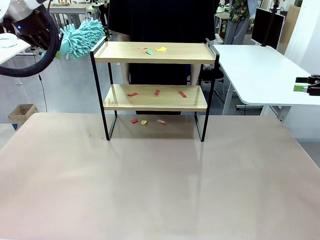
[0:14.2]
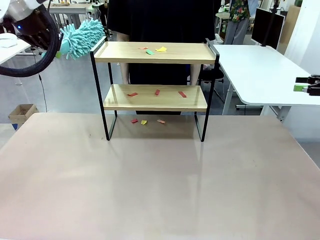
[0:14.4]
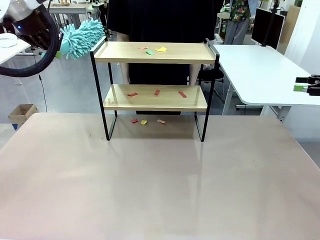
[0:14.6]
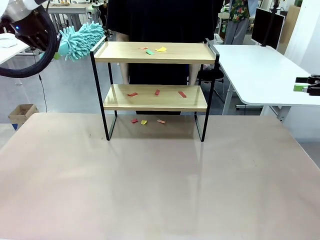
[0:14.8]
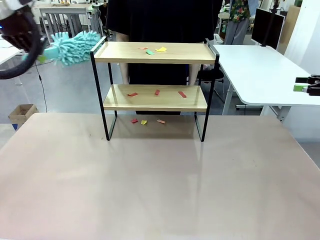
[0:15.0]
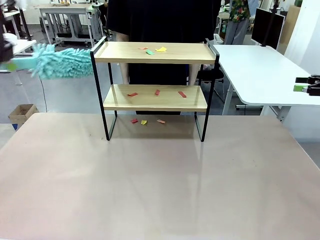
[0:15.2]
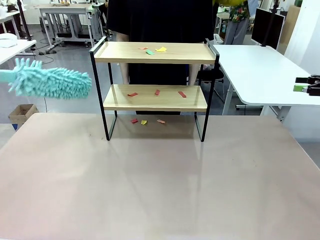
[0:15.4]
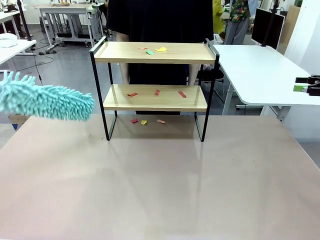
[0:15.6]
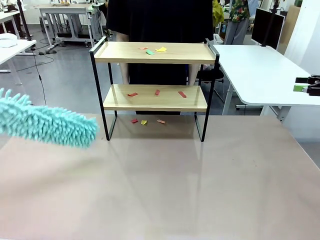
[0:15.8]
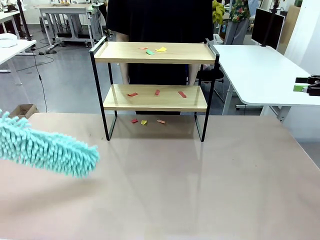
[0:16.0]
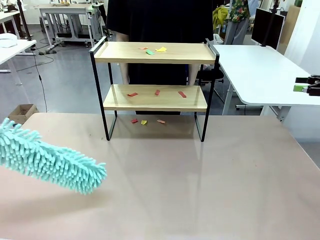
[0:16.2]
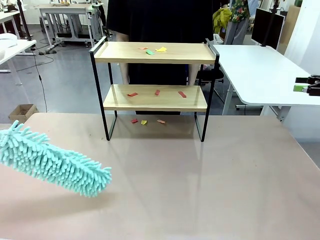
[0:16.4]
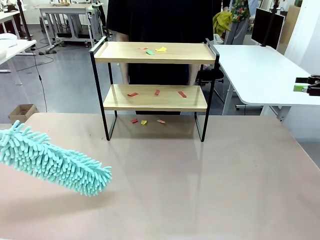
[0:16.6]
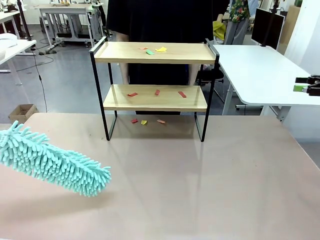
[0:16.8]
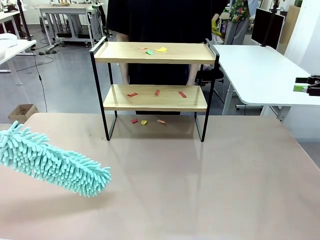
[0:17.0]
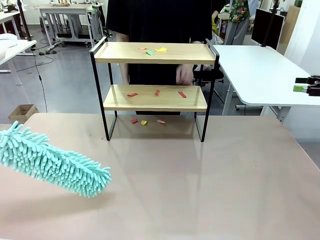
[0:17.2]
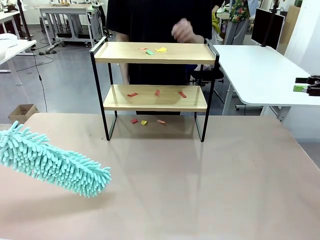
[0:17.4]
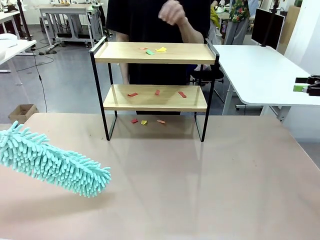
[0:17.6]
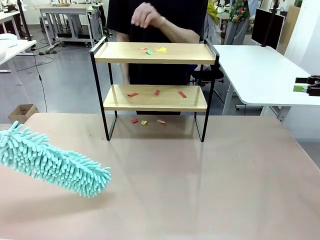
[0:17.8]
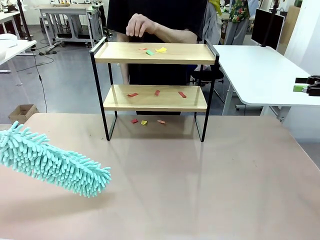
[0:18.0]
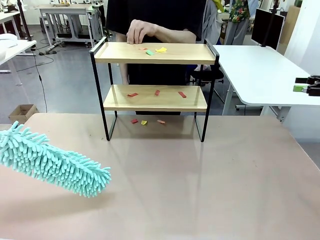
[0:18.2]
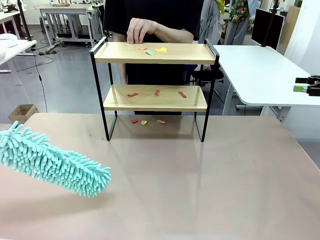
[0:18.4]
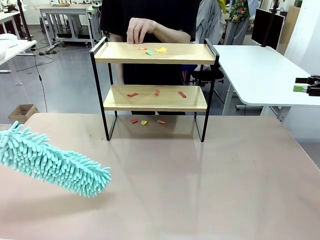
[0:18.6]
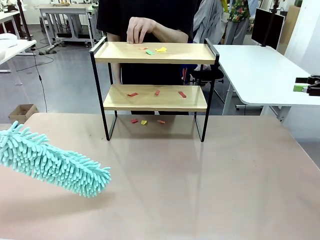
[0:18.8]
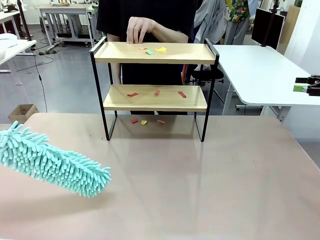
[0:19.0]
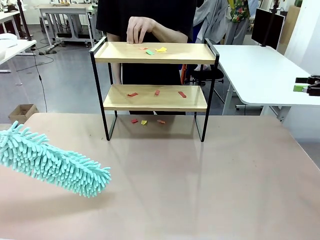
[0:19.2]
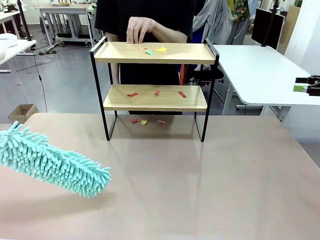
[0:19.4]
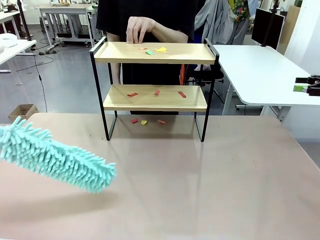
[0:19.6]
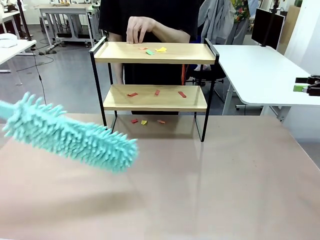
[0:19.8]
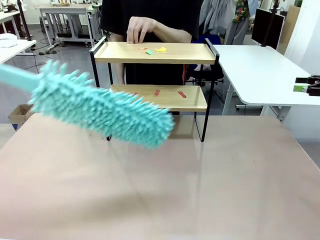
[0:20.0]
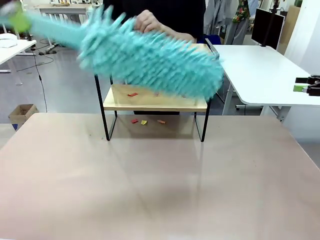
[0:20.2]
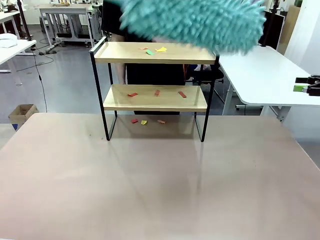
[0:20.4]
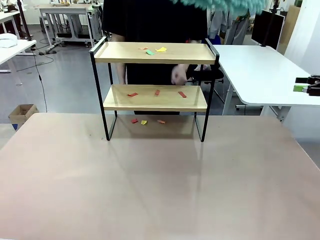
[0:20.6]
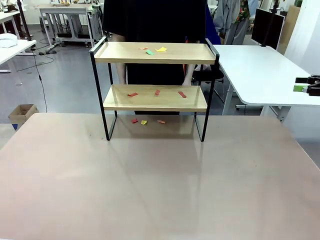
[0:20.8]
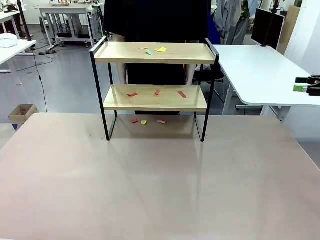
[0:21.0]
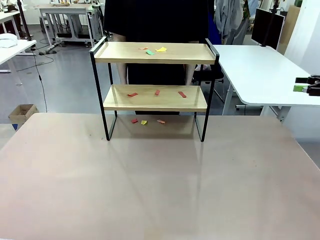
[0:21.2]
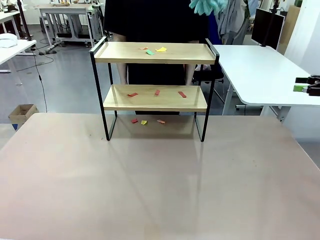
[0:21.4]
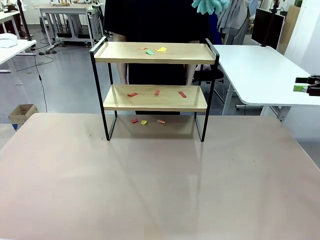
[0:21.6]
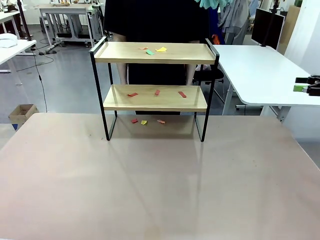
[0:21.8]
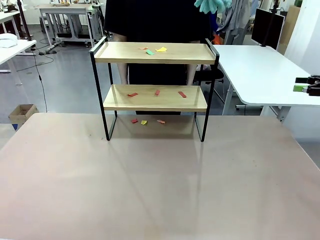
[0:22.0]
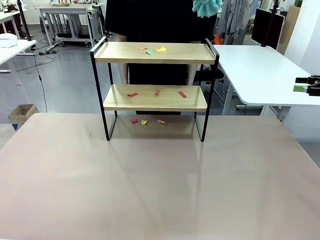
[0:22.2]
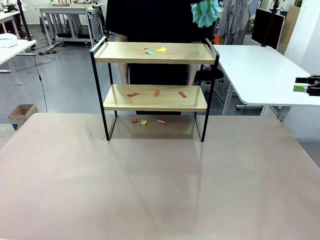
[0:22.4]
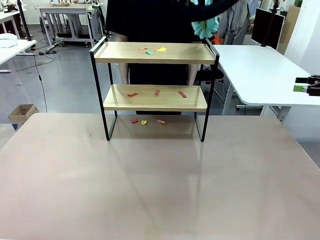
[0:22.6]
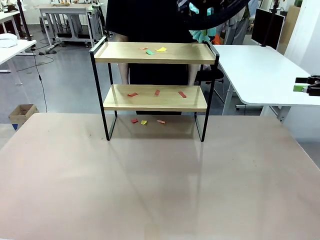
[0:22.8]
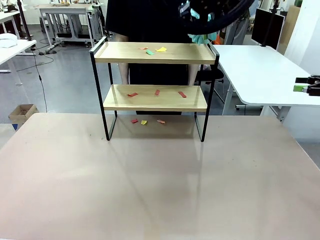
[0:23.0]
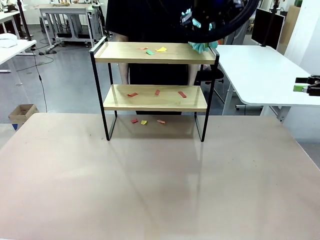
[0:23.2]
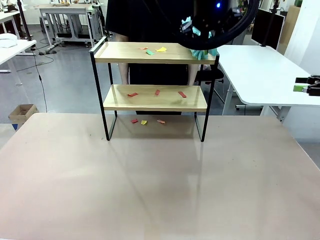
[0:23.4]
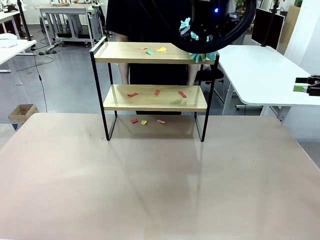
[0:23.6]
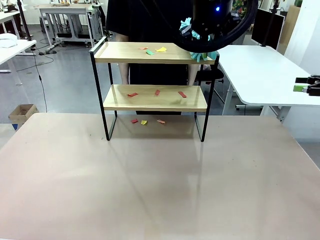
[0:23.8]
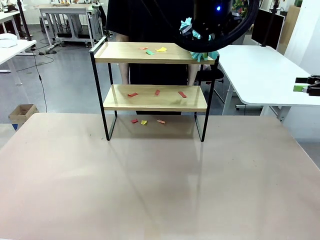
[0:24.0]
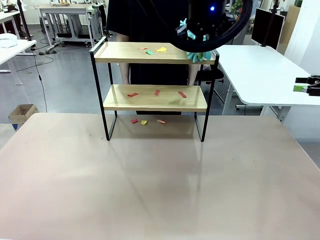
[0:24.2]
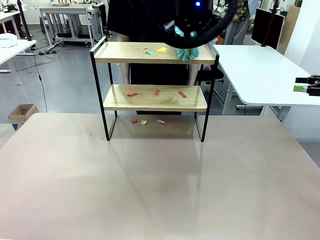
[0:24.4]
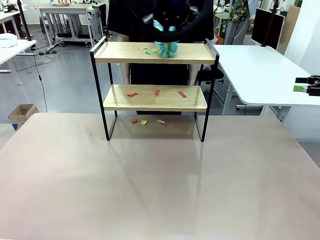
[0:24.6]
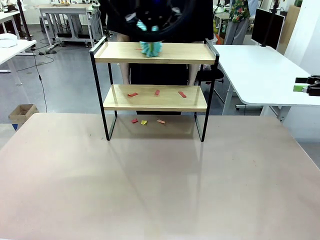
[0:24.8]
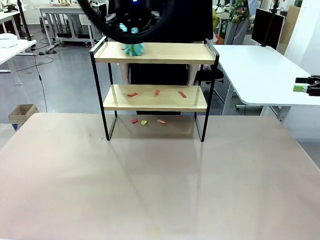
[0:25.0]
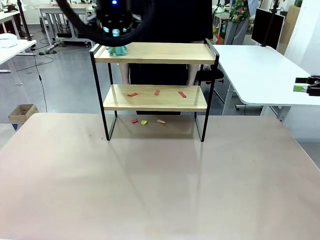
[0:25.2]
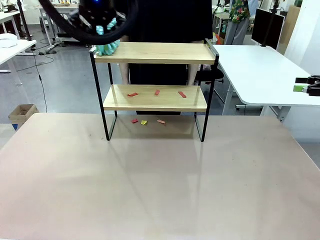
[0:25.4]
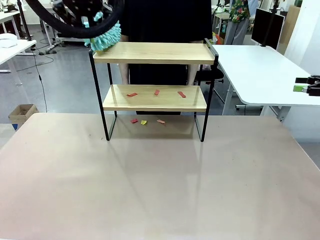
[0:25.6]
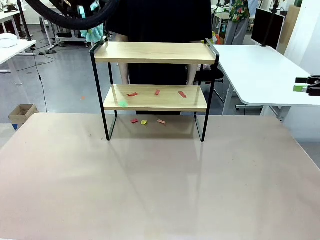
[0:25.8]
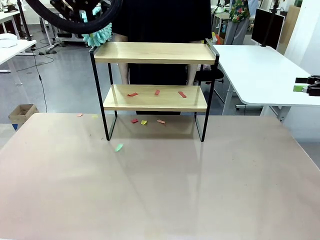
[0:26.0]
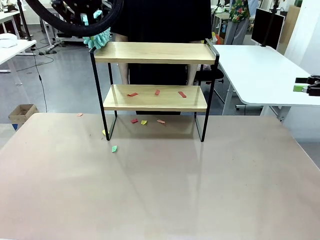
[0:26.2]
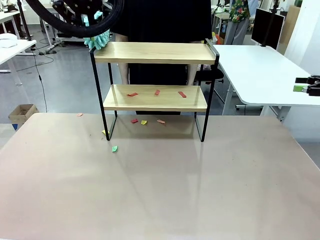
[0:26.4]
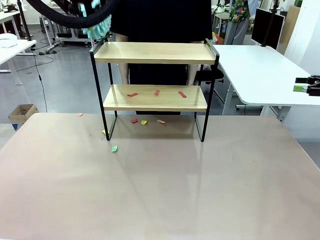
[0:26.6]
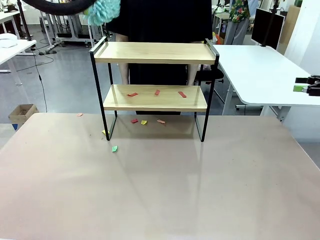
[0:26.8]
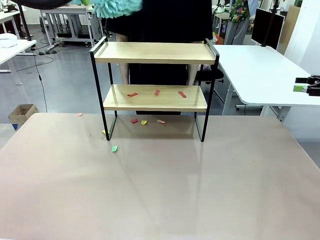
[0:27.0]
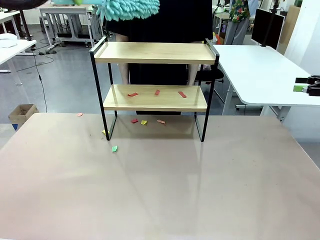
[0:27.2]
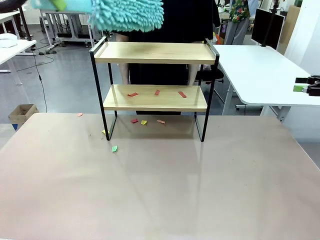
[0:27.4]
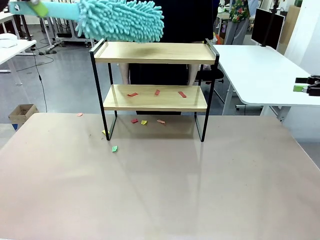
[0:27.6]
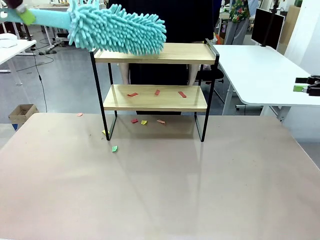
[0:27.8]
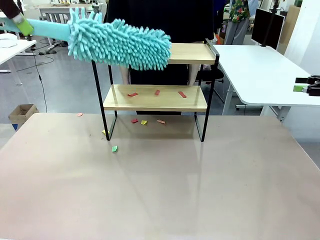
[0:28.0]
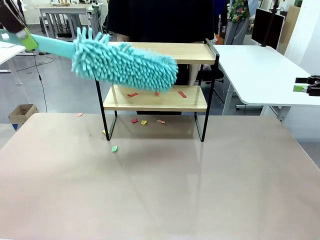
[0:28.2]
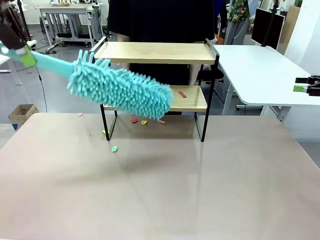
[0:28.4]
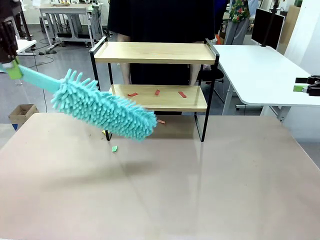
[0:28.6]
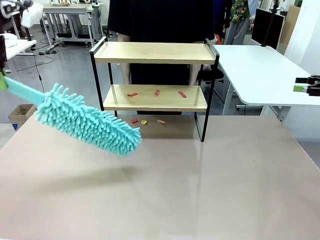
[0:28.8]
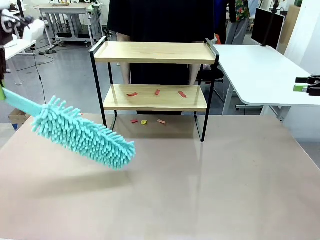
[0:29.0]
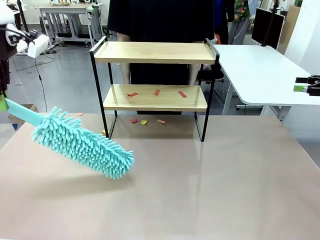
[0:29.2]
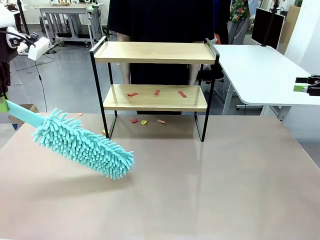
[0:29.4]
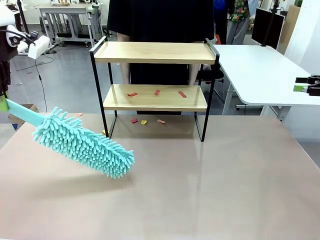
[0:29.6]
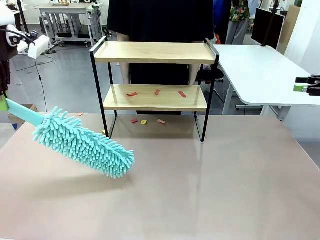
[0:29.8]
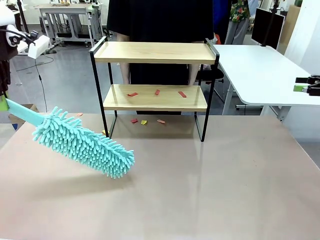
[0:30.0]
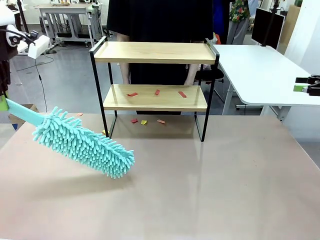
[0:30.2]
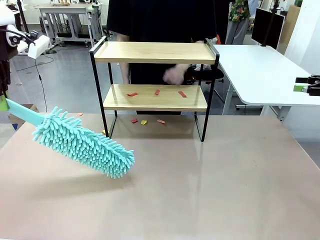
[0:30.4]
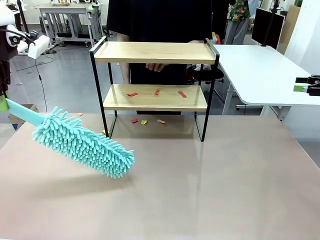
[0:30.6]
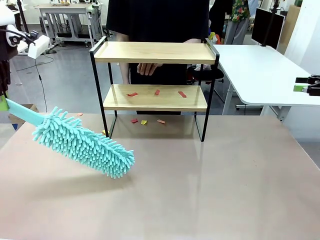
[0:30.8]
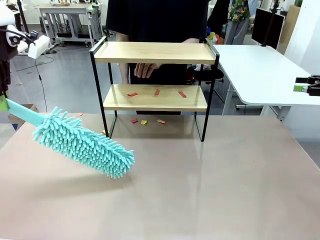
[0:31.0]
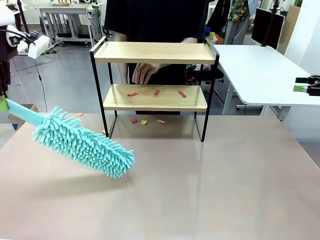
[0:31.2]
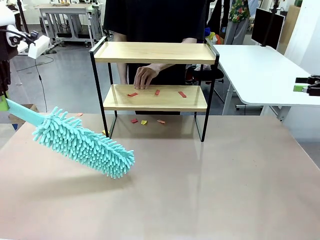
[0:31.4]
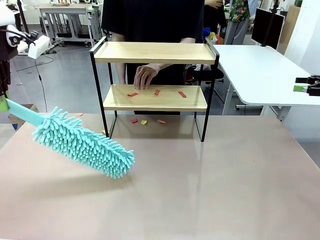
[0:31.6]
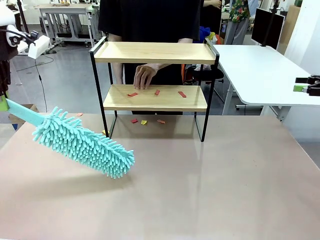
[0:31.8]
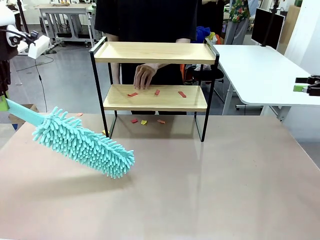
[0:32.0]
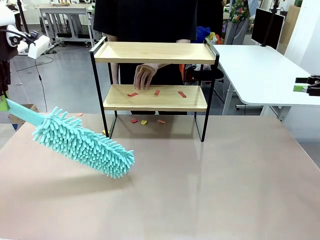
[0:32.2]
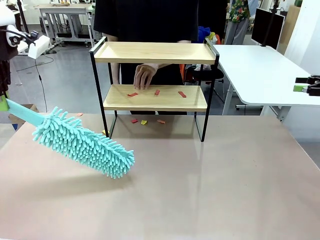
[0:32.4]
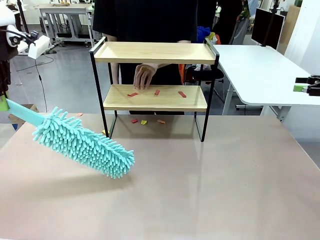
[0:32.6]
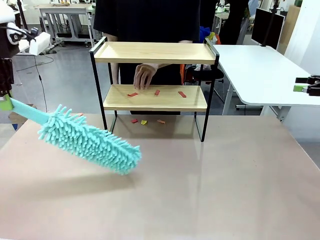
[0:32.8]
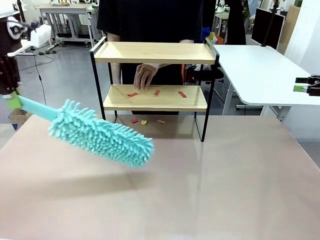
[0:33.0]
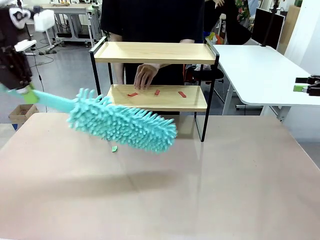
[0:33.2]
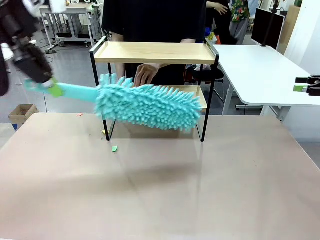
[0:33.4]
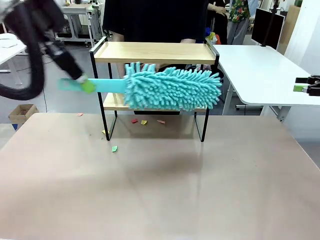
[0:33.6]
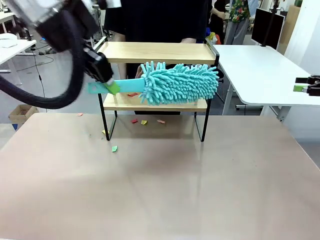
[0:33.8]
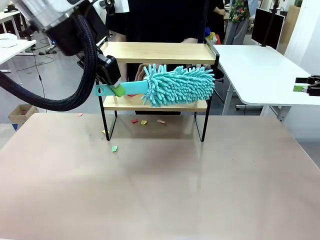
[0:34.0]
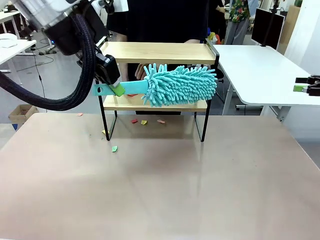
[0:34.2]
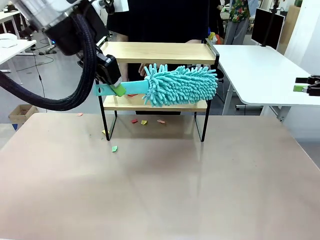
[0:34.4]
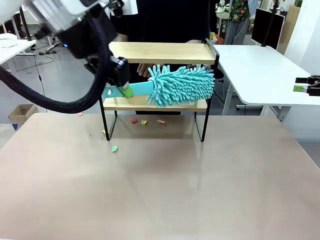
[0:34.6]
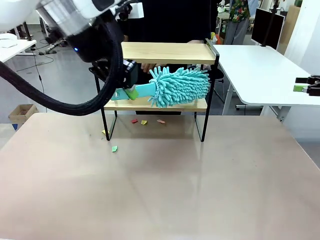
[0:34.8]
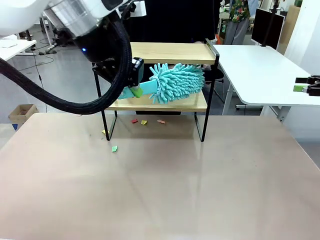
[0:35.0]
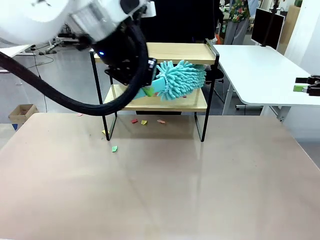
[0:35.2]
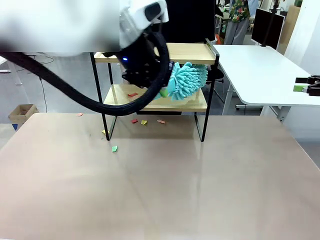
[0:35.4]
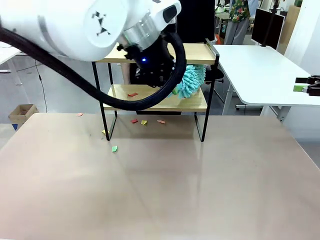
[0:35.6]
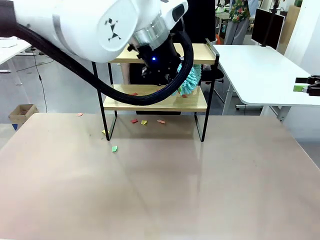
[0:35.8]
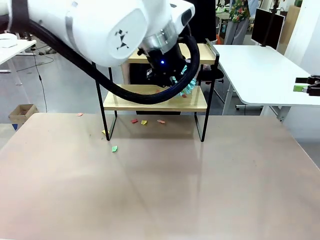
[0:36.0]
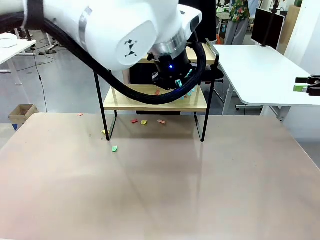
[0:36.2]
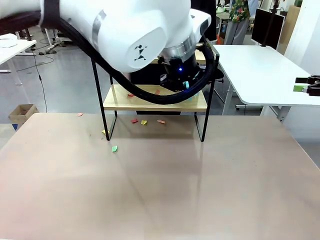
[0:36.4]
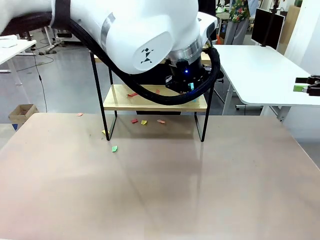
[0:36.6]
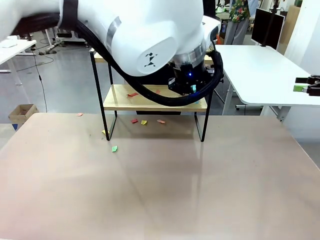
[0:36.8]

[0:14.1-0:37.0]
Task: Clean the shelf.
Robot: Clean the specific section of the Shelf indicated by the human with the Duster.
Person: Point a random section of the Shelf.
